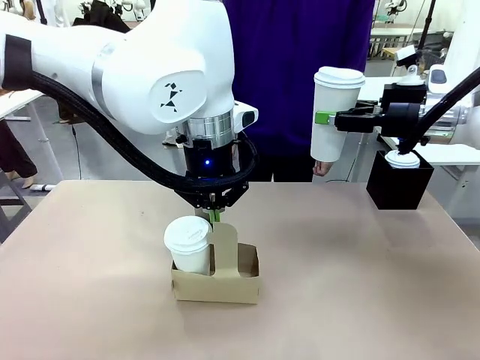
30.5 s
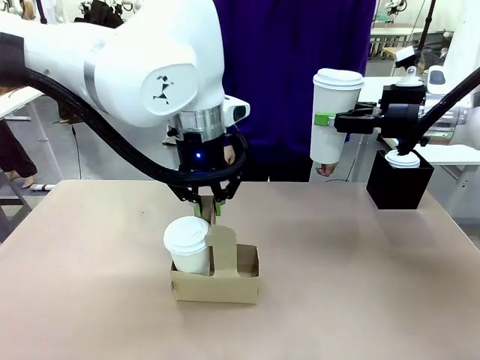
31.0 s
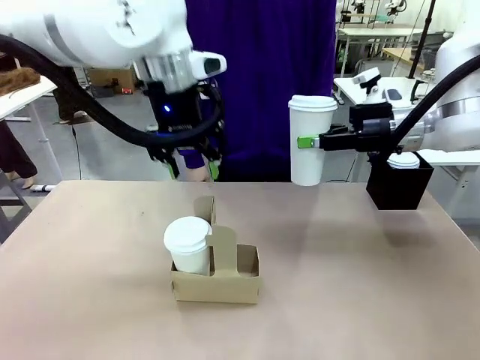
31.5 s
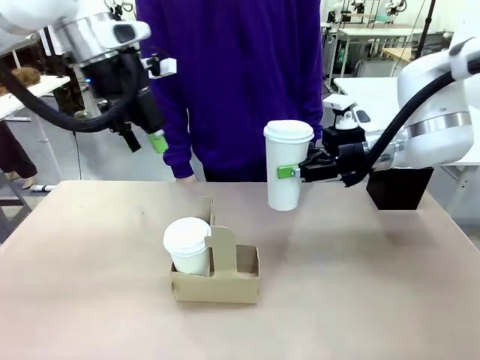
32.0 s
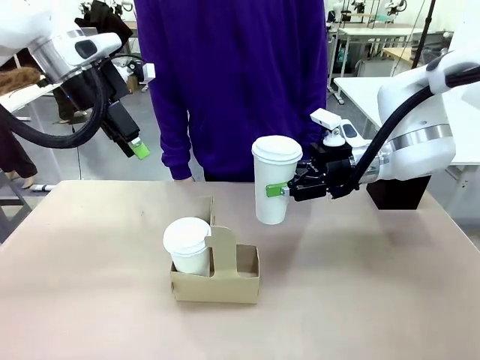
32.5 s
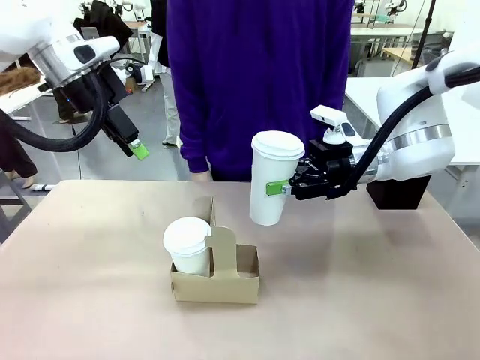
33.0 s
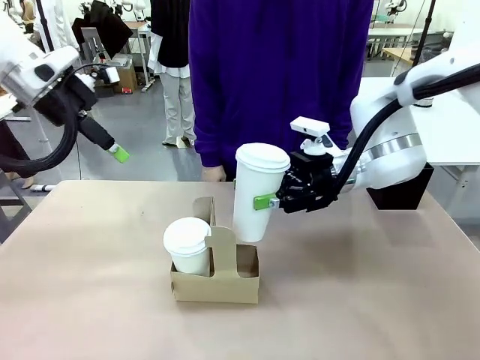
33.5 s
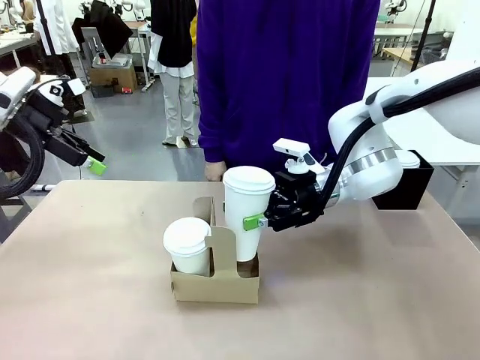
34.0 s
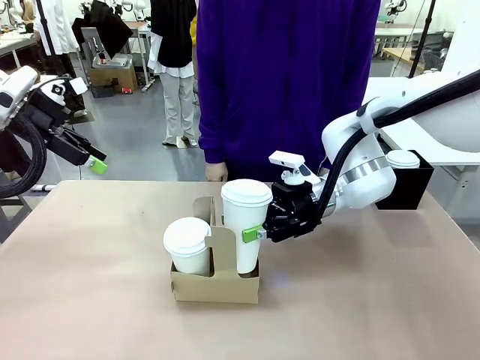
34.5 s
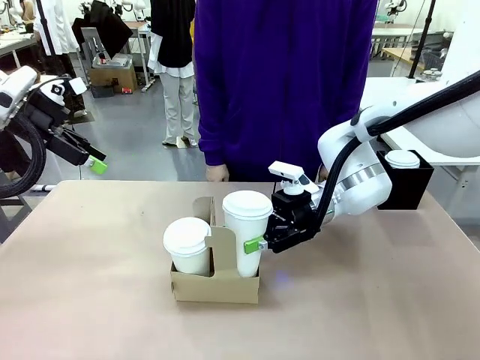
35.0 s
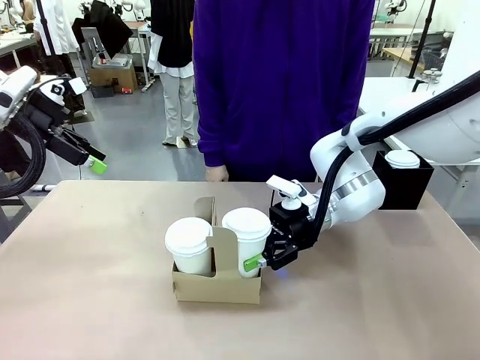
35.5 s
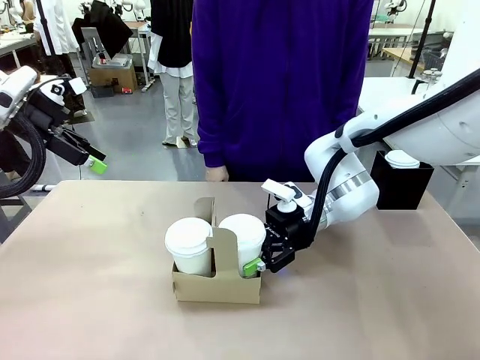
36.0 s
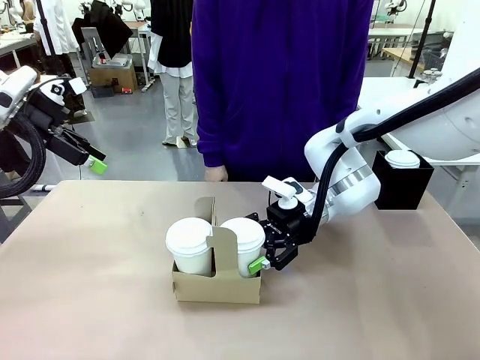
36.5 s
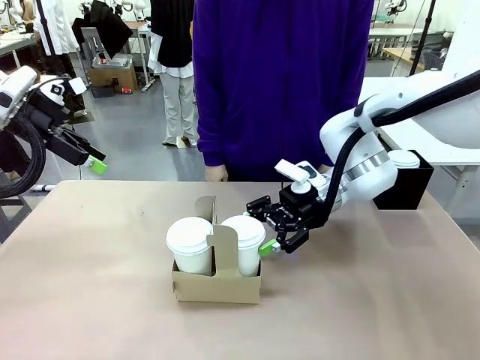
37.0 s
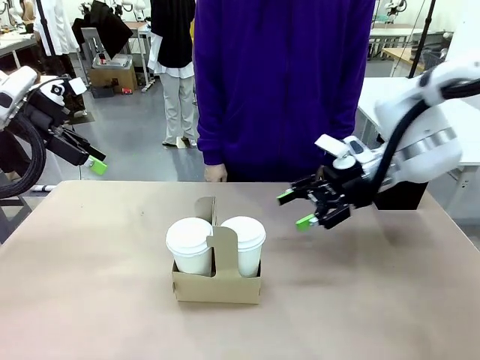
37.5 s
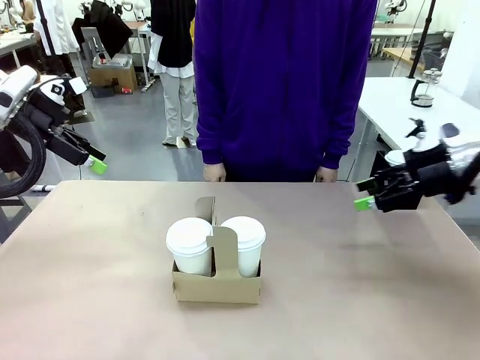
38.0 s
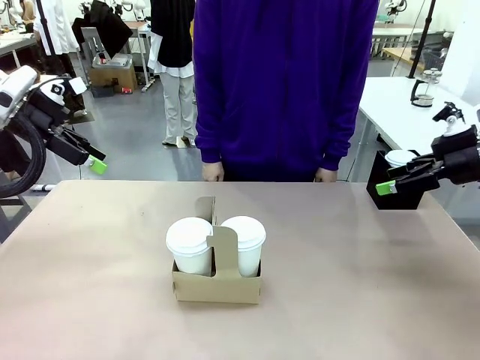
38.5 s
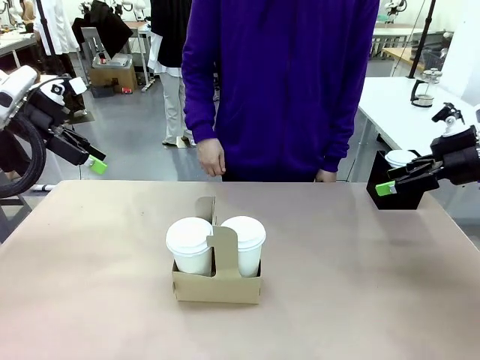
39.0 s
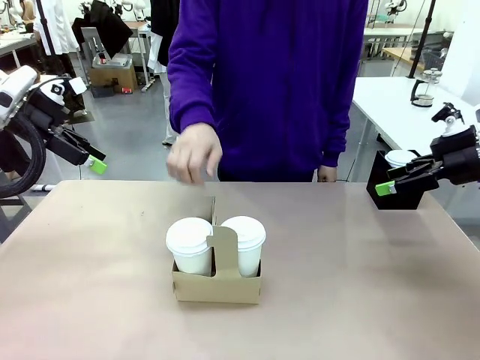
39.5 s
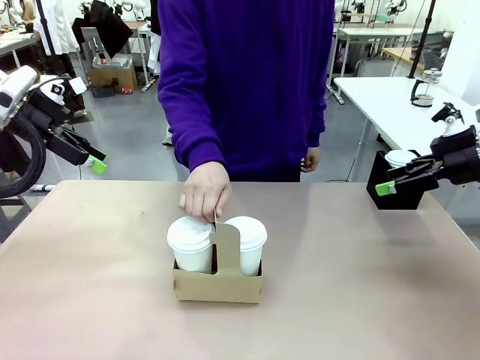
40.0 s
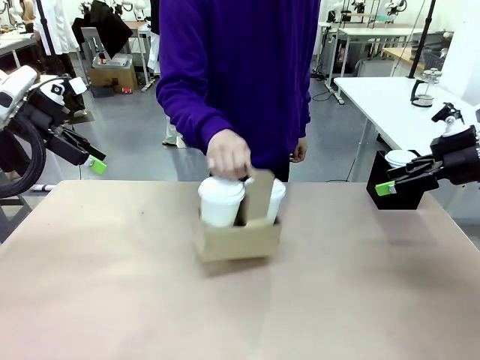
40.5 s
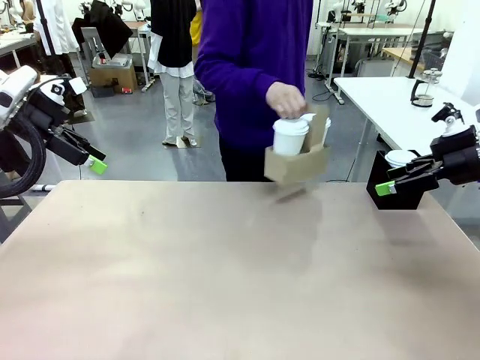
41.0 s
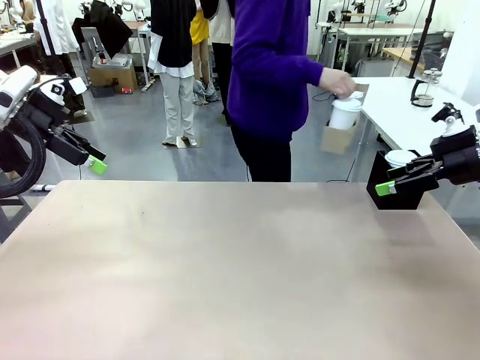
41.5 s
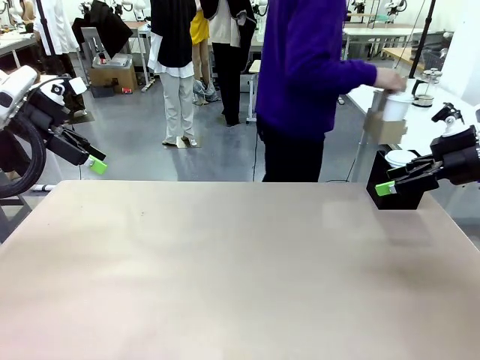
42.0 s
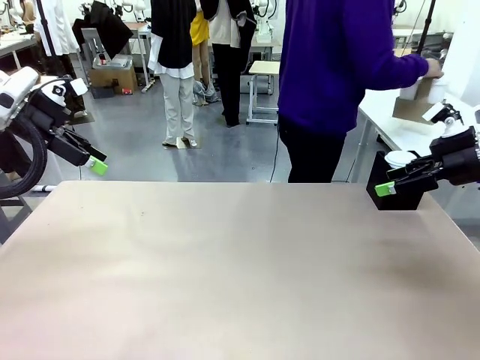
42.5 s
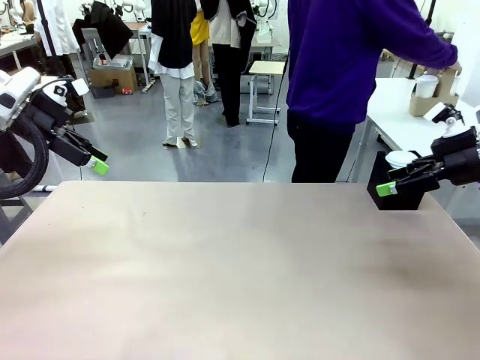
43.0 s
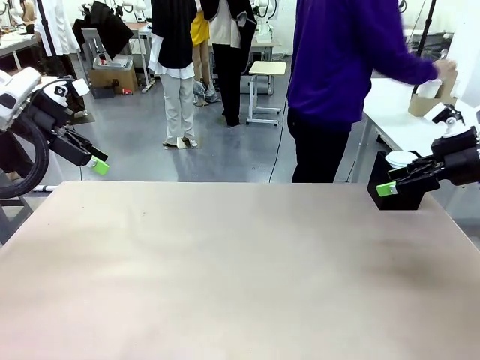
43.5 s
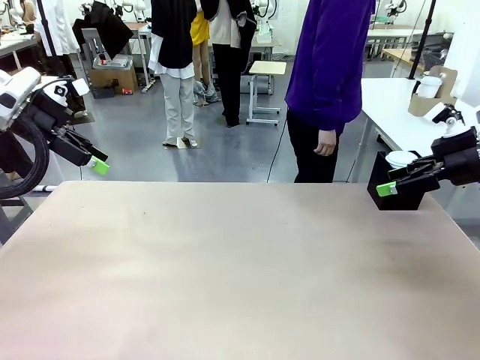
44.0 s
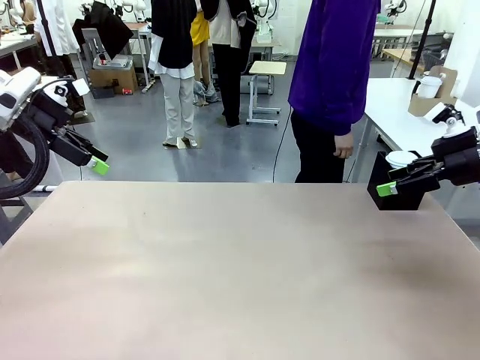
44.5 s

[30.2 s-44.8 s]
Task: Pour a drink into a cup and package it in a carrier.
Robot: Insert the held 600 ml Paper Cup into the Cup Carrier.
Person: Place the Cup Carrier to the middle of Human table.

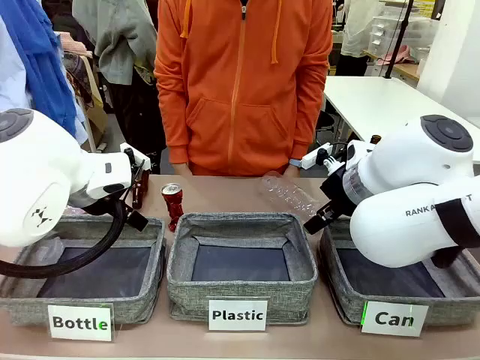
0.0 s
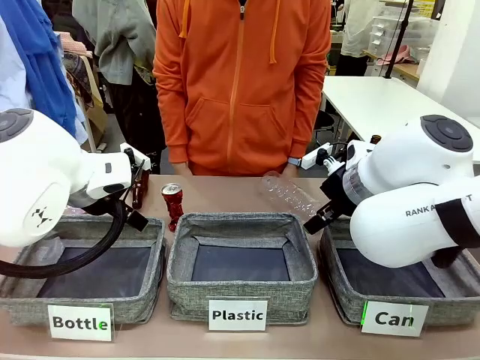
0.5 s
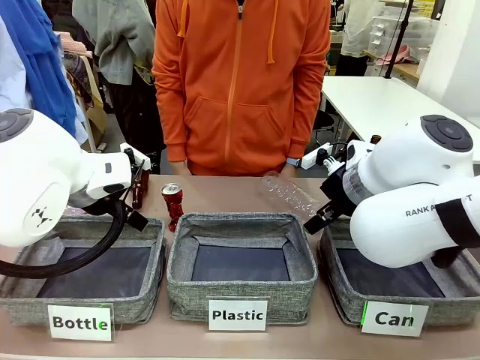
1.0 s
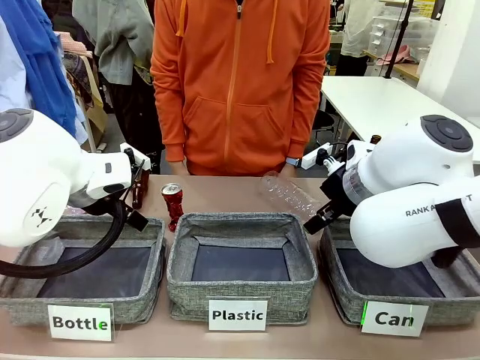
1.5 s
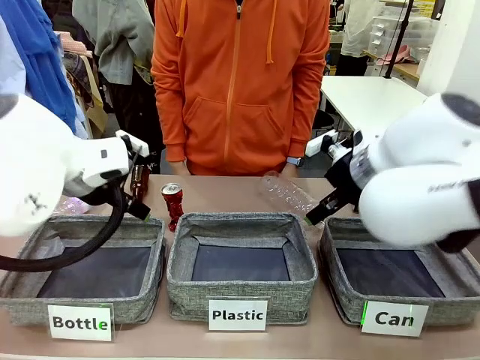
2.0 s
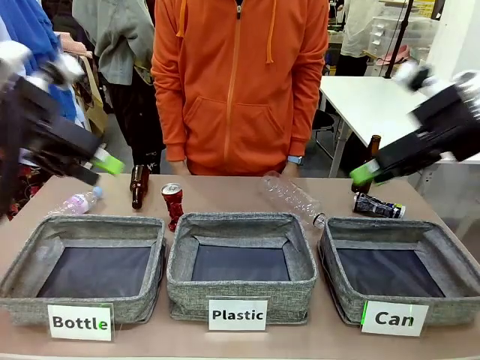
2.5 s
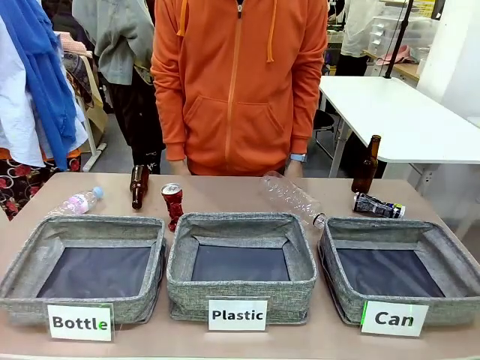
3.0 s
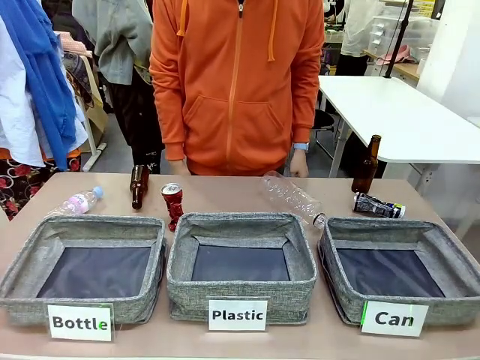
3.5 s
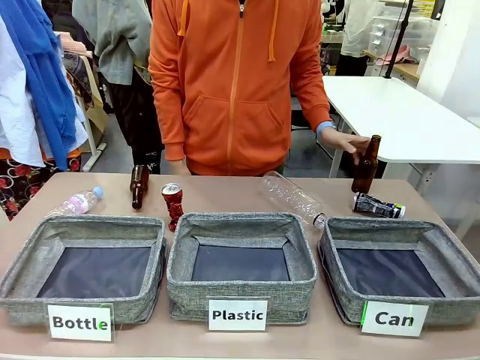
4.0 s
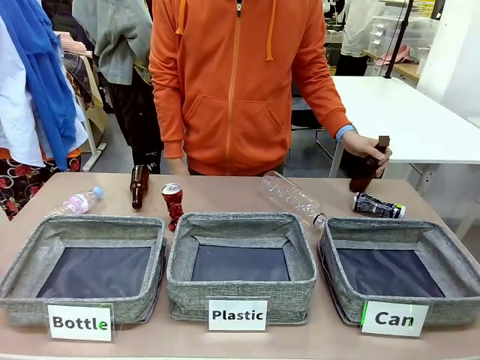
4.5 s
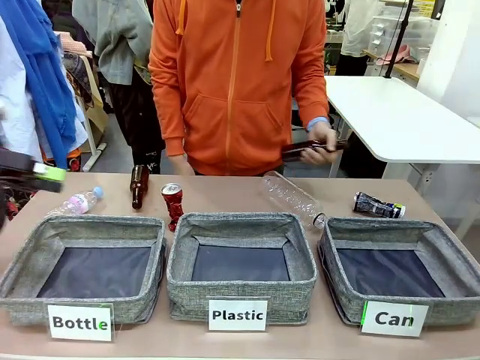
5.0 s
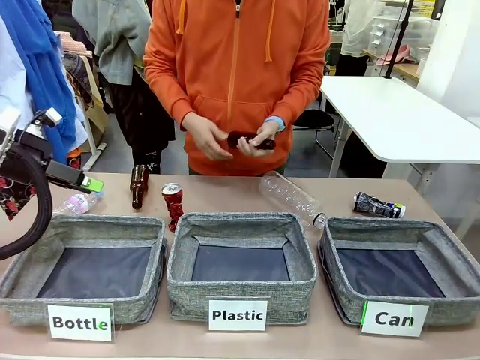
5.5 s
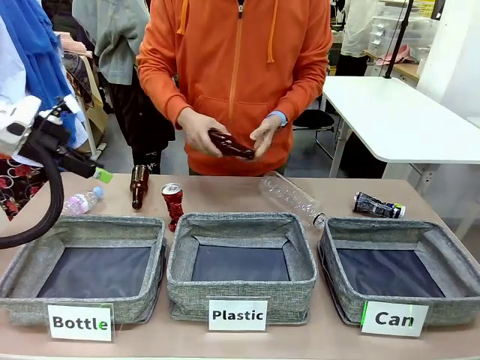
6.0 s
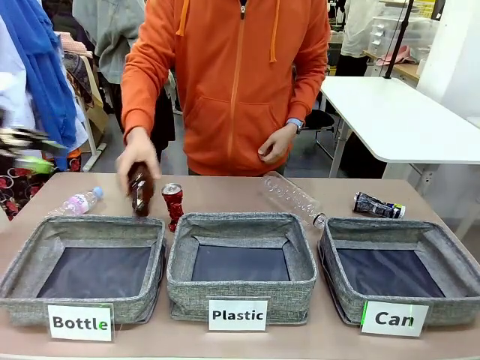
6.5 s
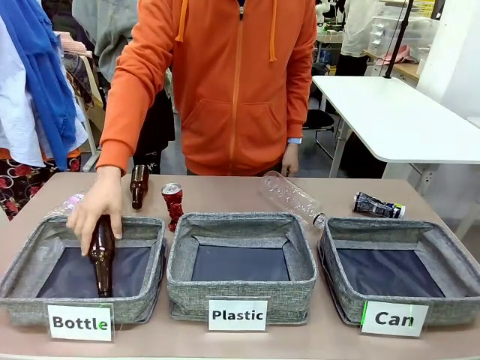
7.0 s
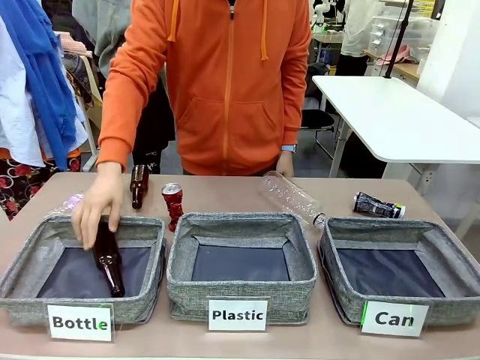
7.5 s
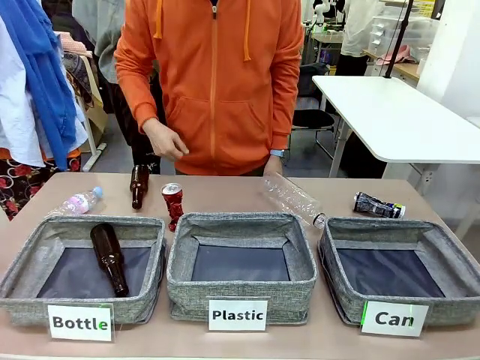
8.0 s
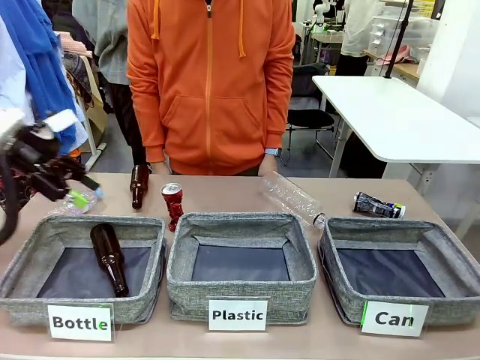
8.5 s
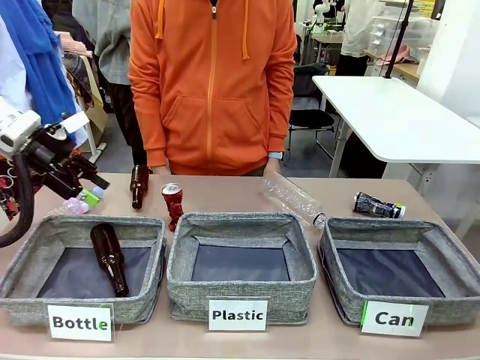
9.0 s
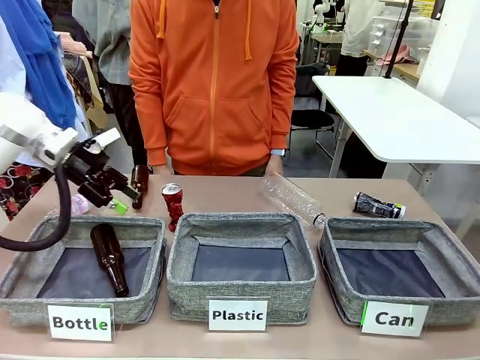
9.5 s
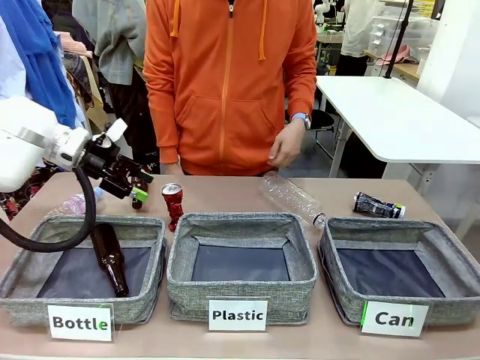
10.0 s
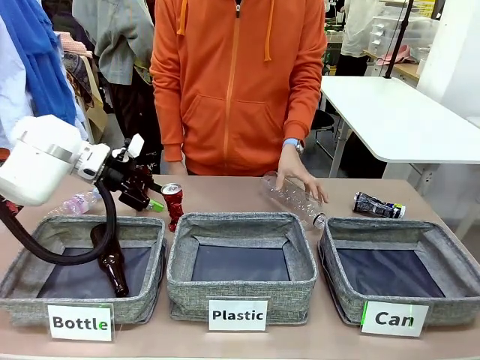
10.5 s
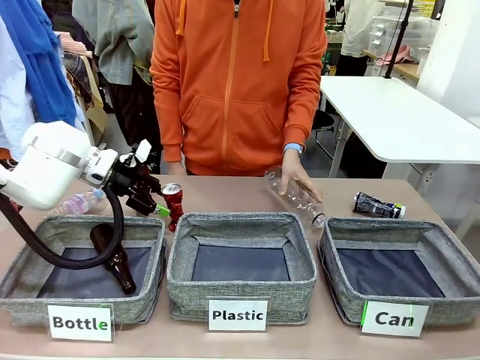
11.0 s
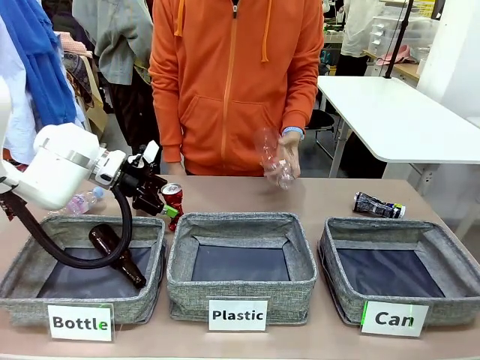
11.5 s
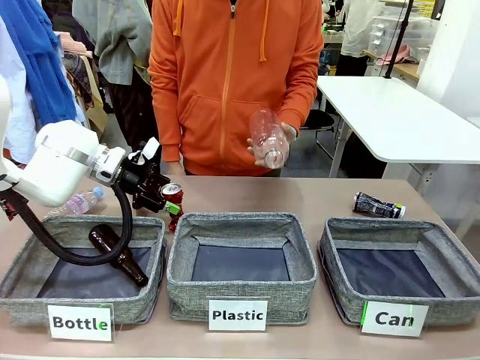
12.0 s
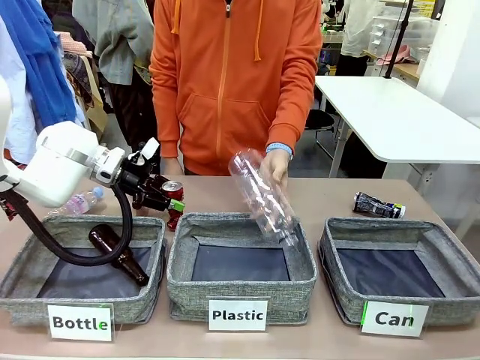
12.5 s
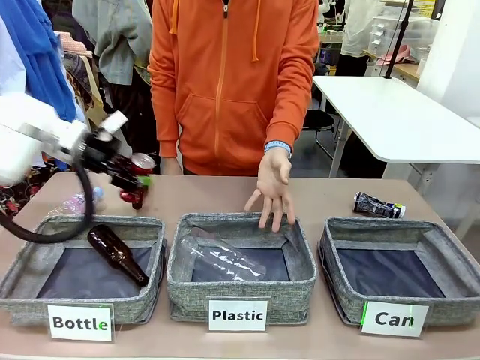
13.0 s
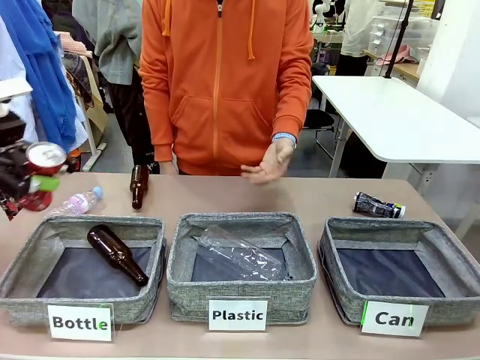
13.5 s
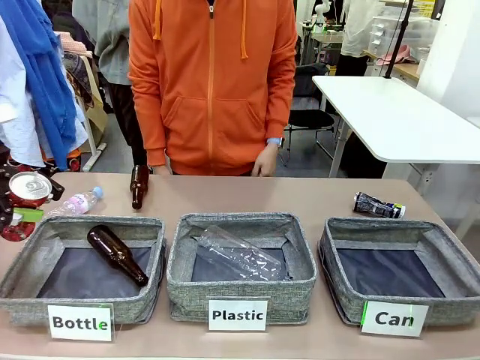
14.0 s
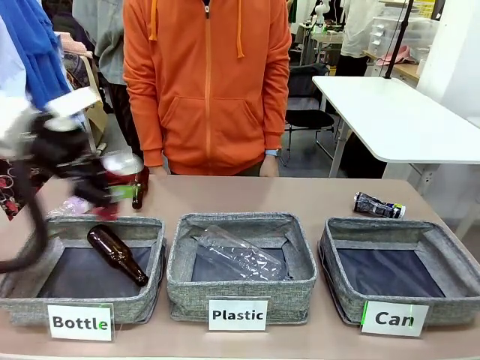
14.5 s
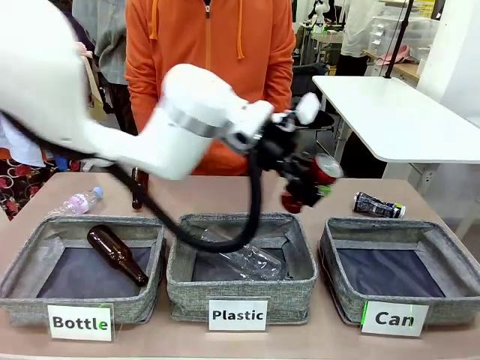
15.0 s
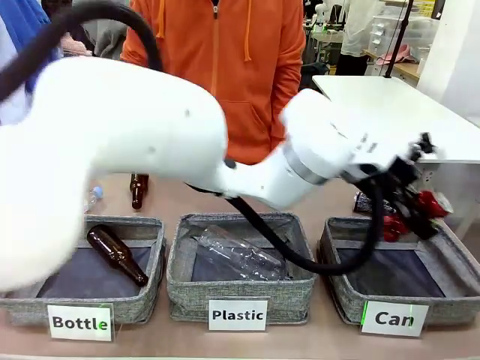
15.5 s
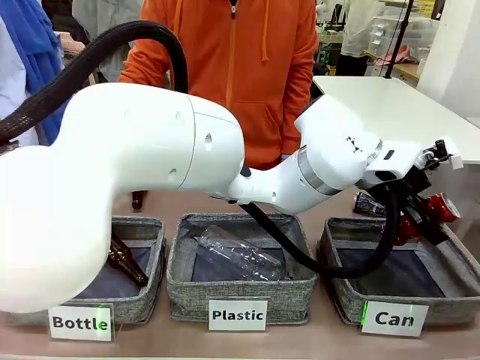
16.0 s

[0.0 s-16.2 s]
Task: Sort the can waste into the basket.
Robot: Pick up the can waste from the table and place it in the right Fabric basket.
